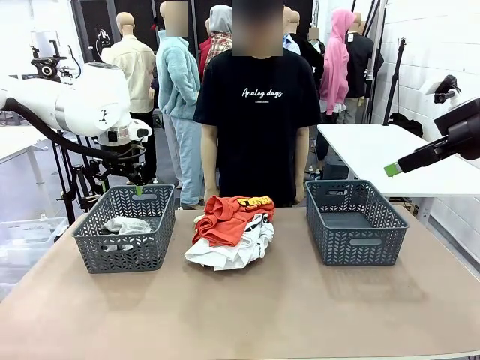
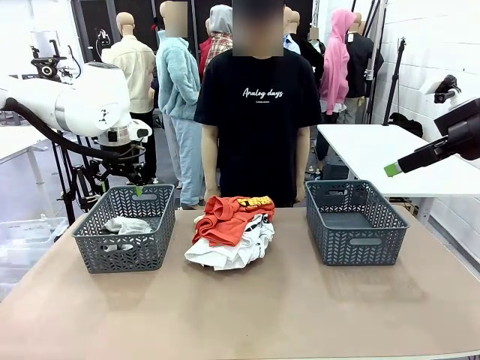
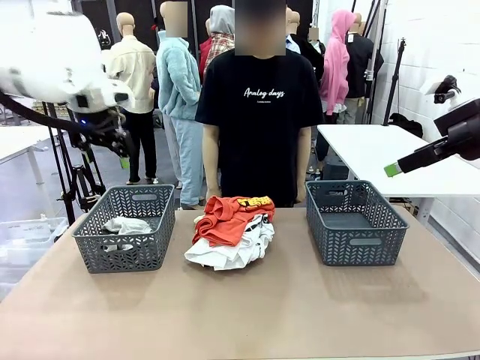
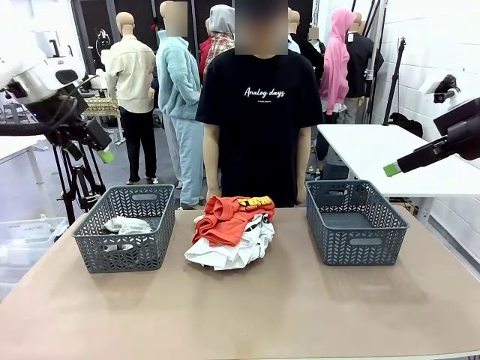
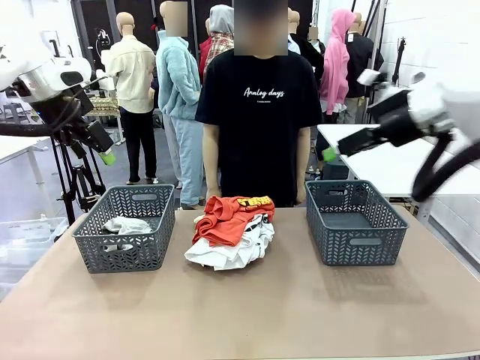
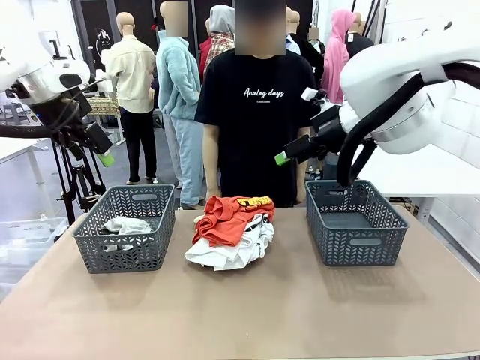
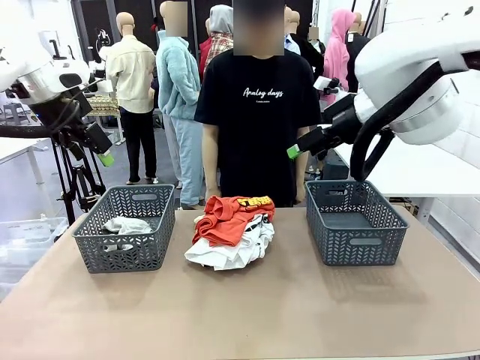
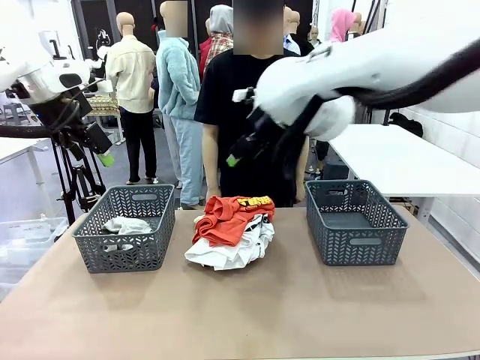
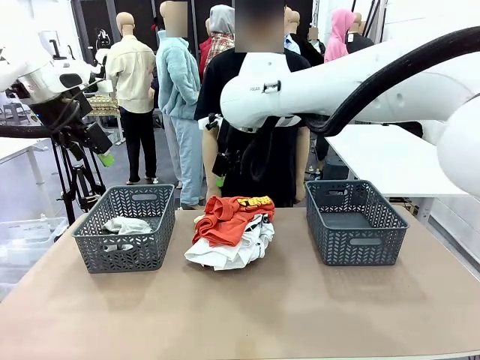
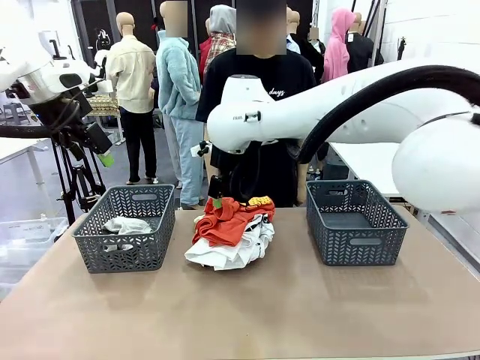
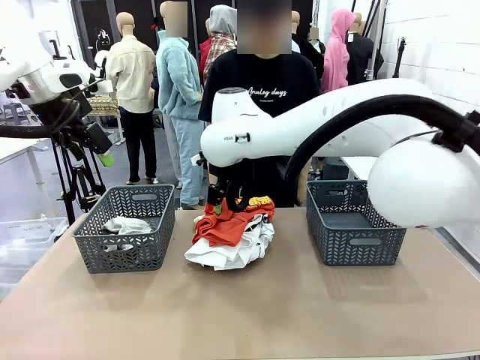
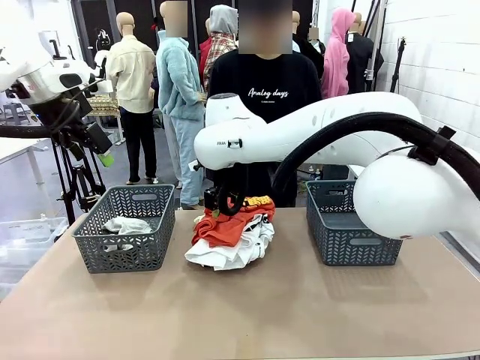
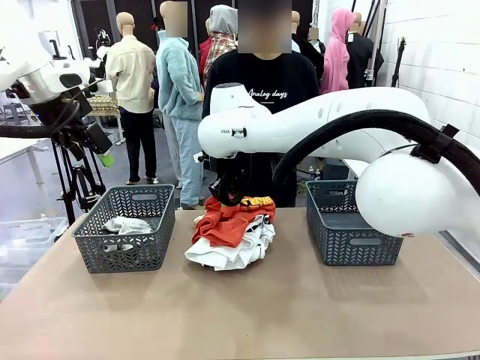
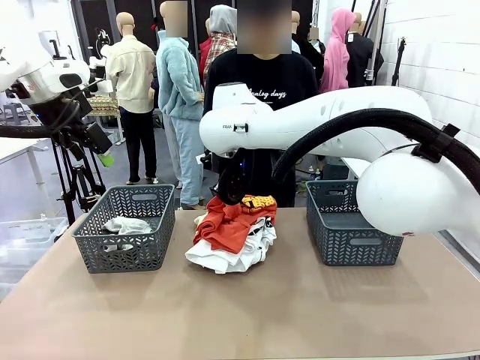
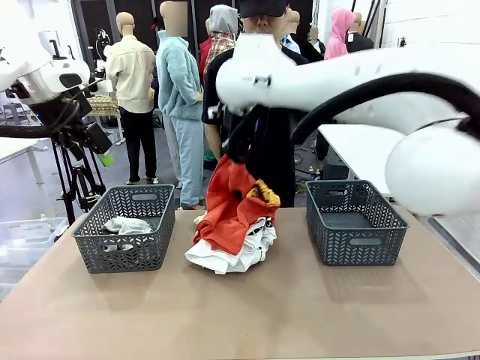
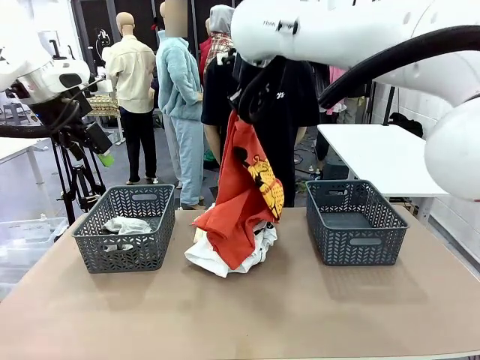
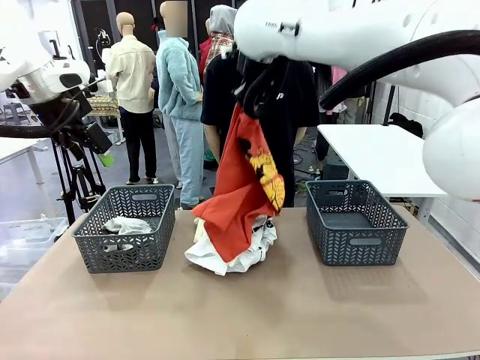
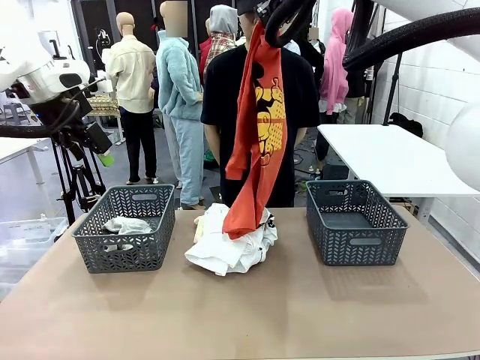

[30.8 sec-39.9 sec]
Task: Sort the tops and bottoms.
Robot: Lift clothes from the center of the table with your right hand.

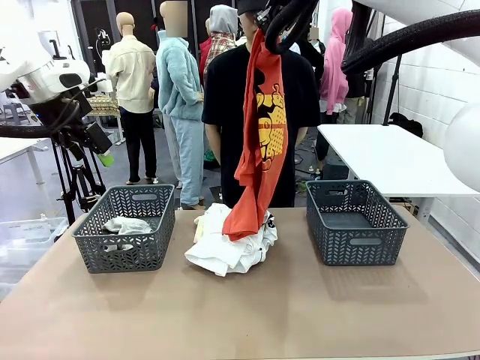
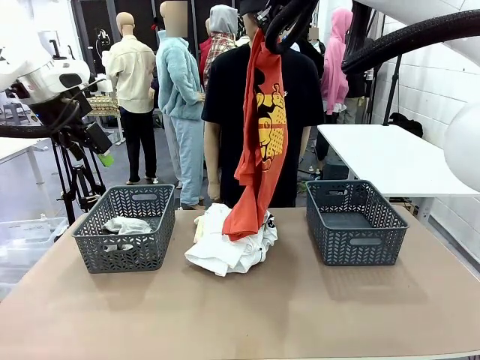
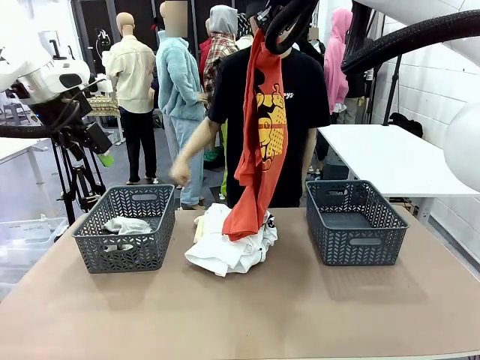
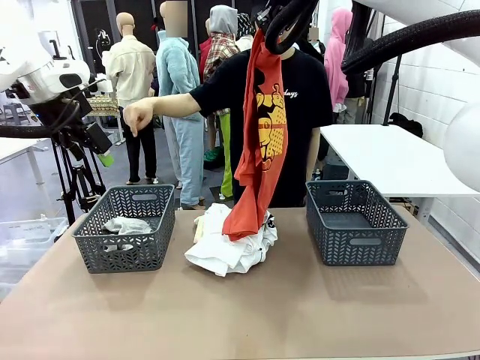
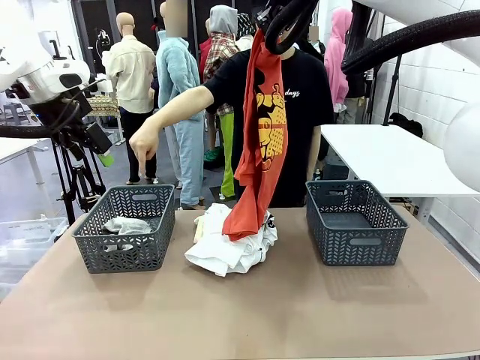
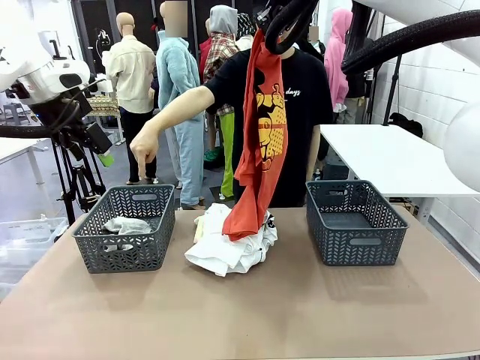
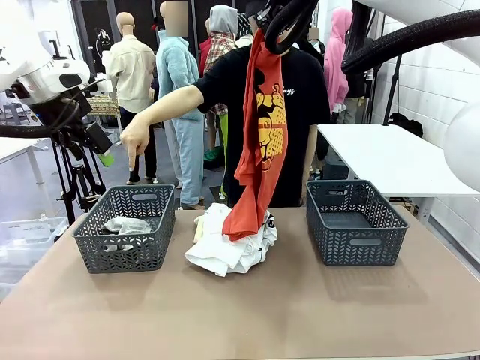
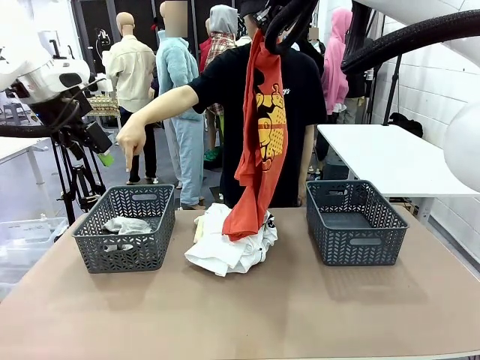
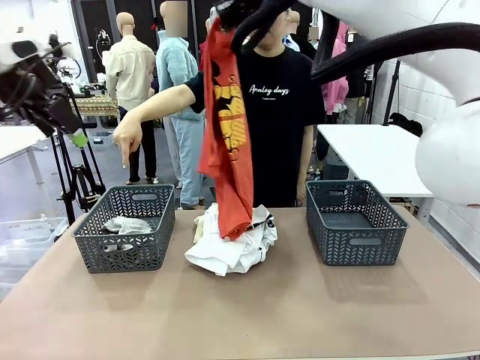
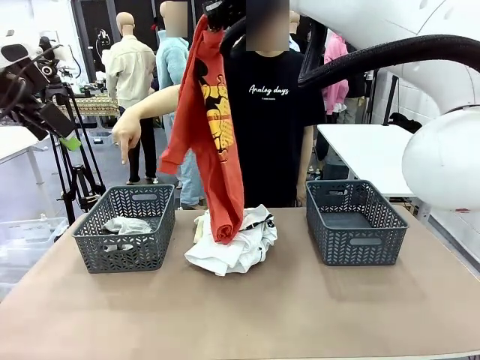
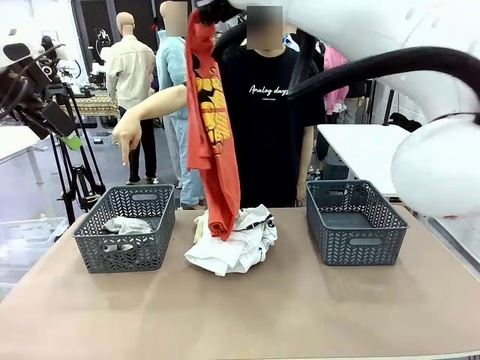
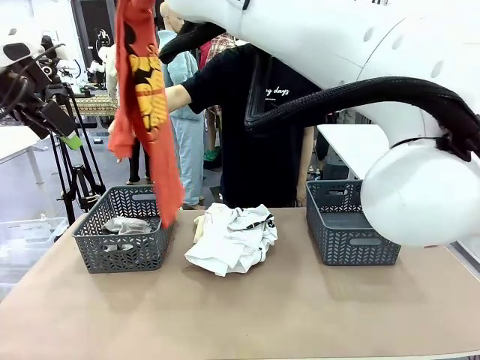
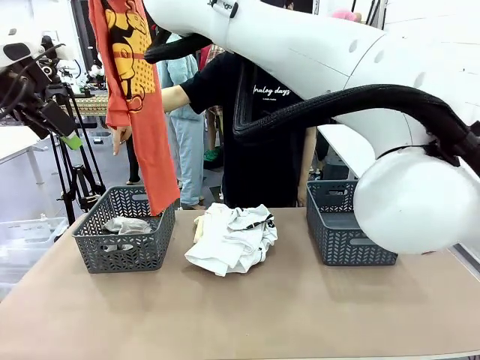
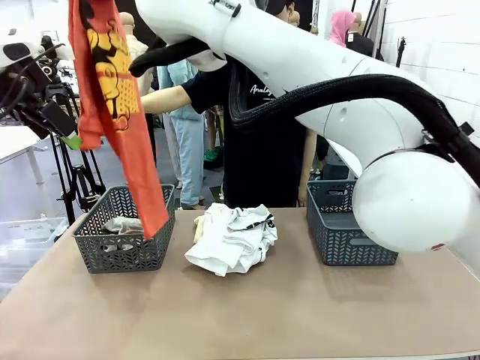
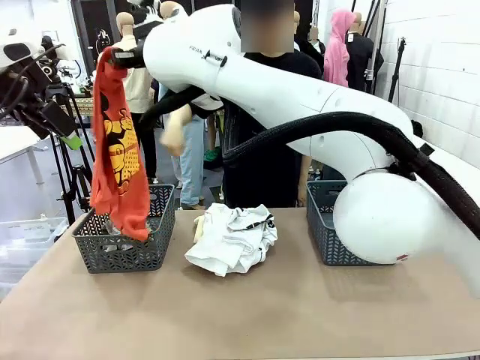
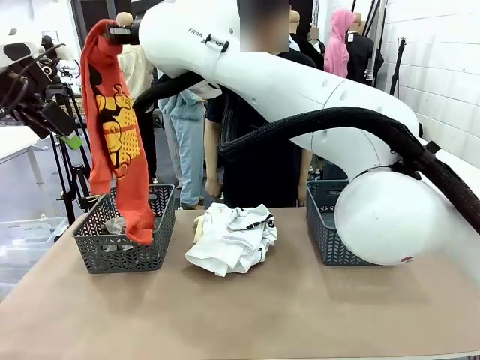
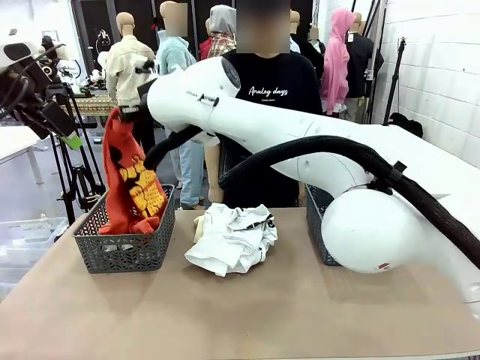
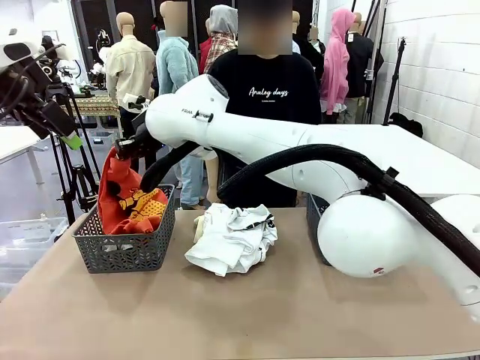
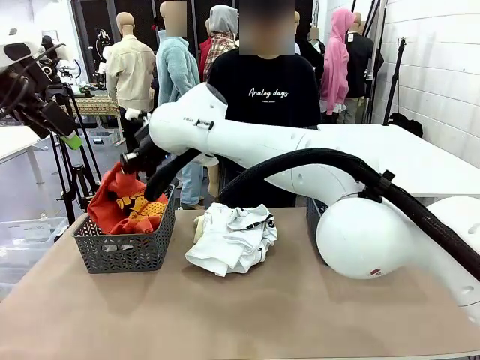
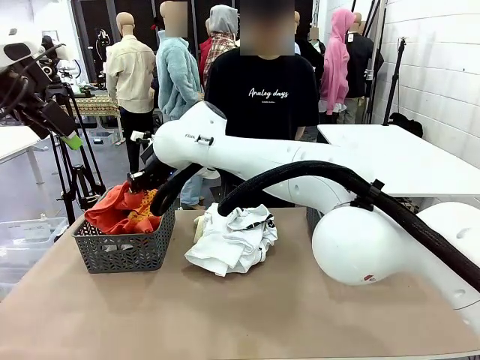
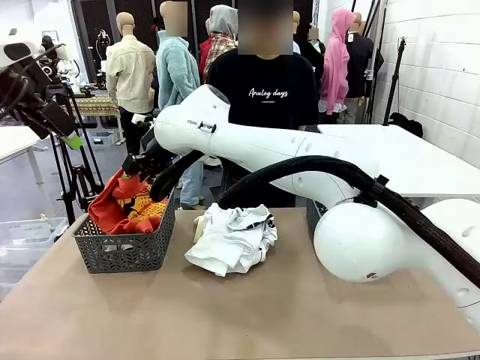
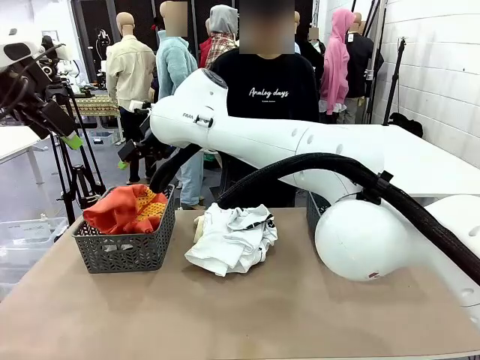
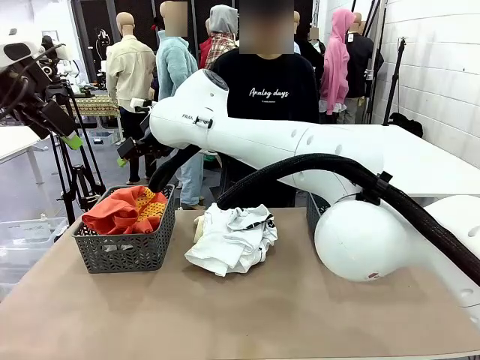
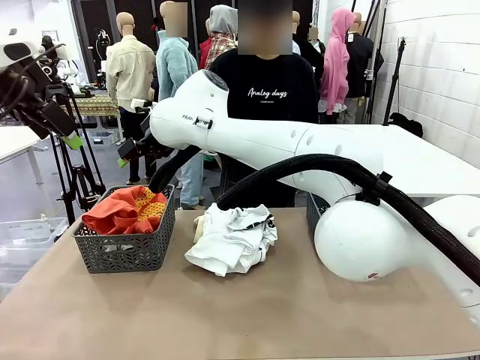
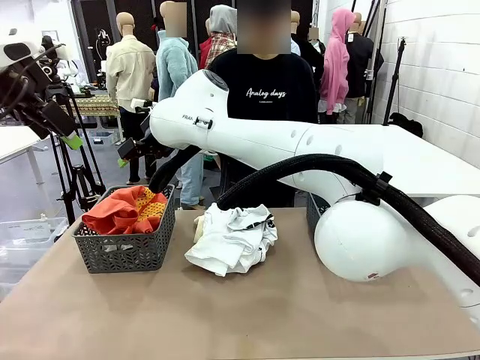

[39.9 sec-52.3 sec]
Robot: Sort the clothes according to human instructions.
